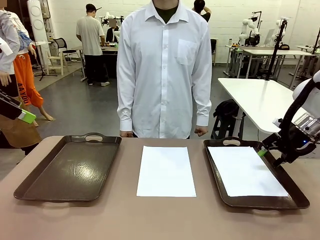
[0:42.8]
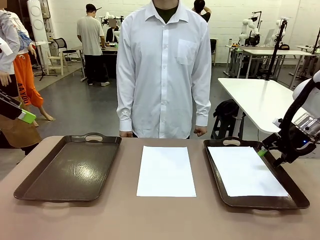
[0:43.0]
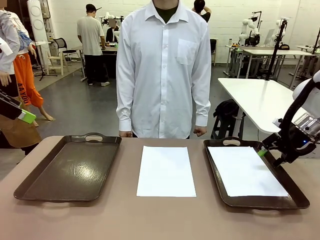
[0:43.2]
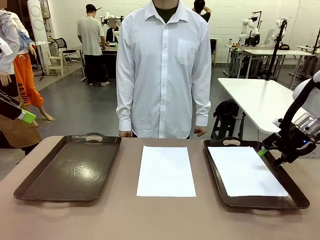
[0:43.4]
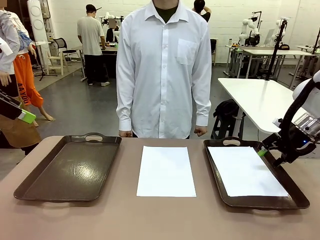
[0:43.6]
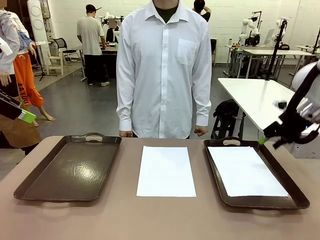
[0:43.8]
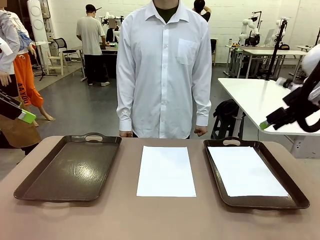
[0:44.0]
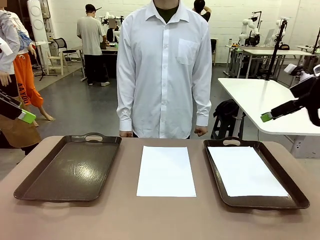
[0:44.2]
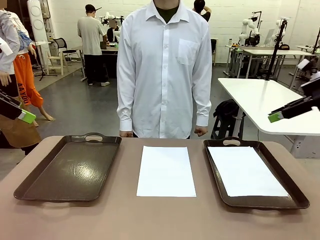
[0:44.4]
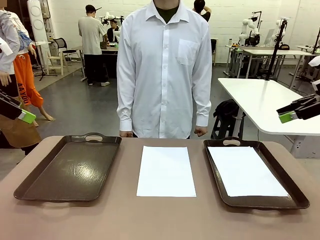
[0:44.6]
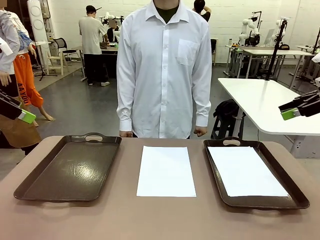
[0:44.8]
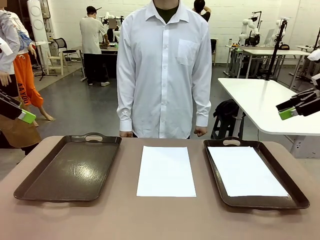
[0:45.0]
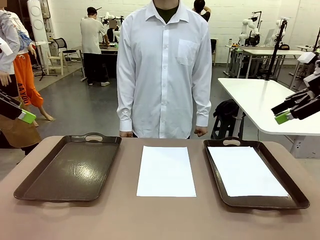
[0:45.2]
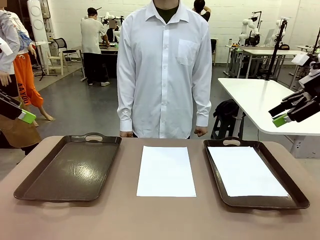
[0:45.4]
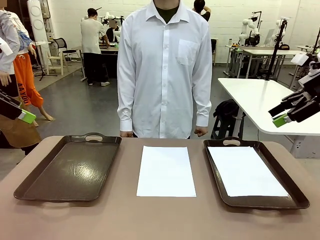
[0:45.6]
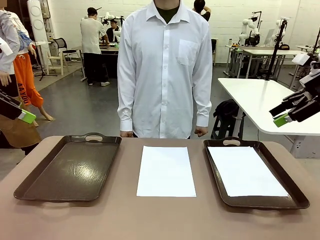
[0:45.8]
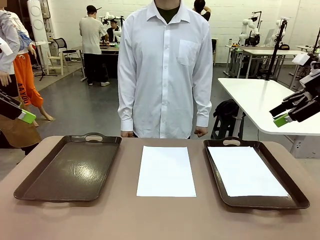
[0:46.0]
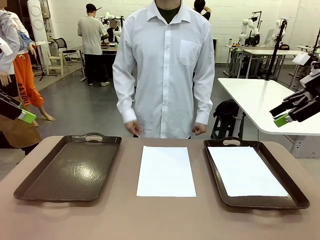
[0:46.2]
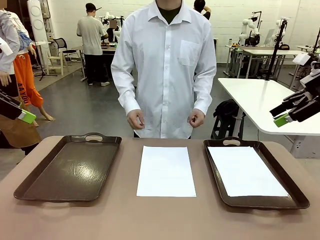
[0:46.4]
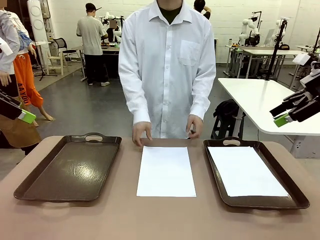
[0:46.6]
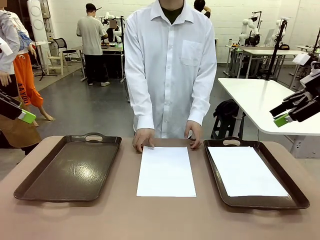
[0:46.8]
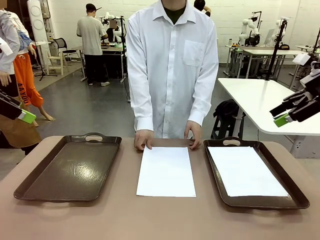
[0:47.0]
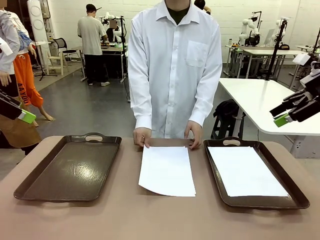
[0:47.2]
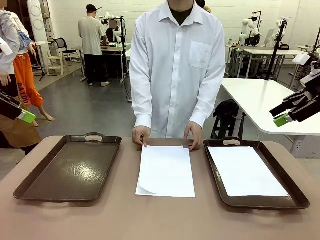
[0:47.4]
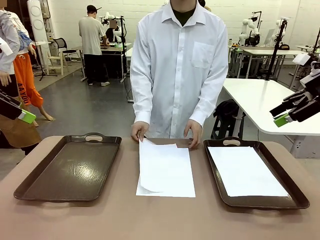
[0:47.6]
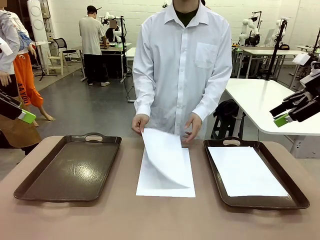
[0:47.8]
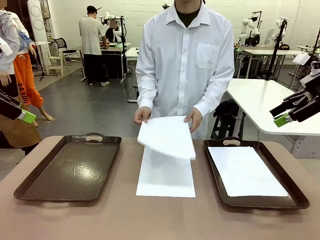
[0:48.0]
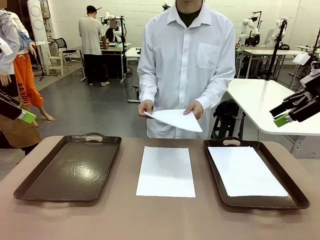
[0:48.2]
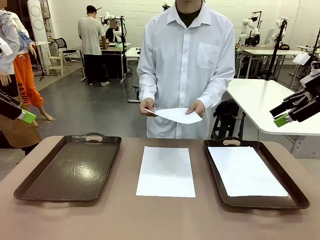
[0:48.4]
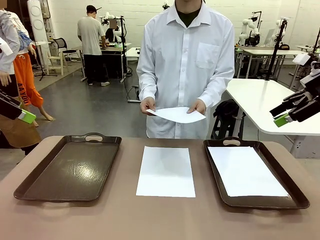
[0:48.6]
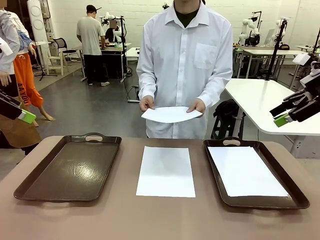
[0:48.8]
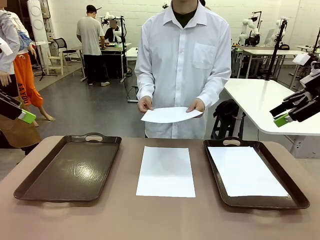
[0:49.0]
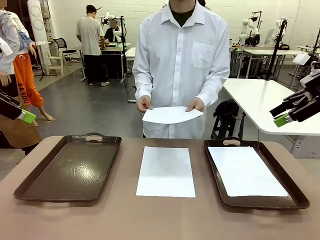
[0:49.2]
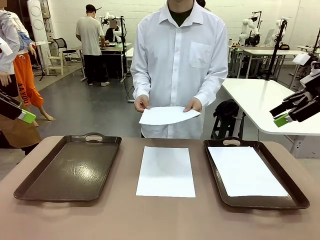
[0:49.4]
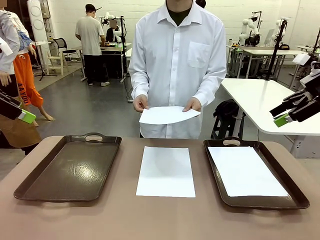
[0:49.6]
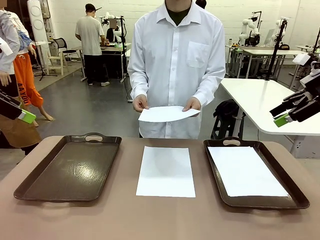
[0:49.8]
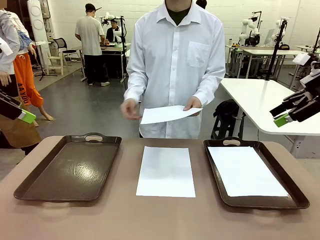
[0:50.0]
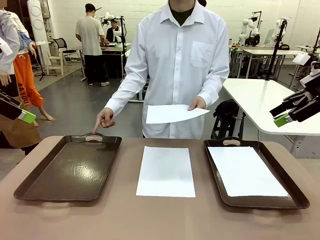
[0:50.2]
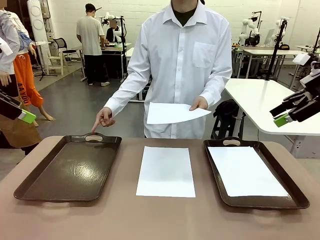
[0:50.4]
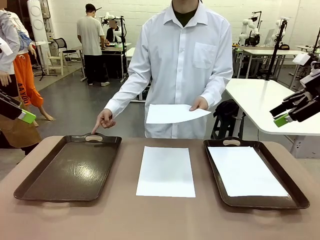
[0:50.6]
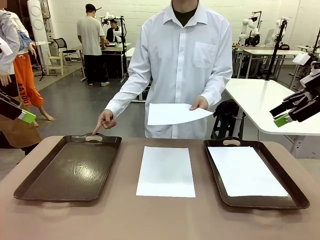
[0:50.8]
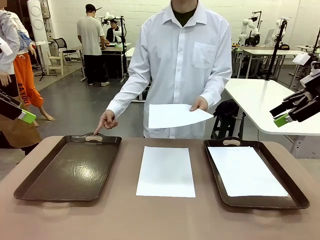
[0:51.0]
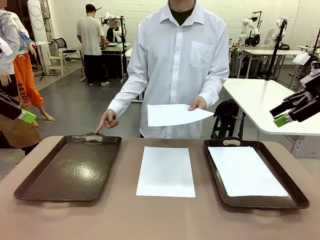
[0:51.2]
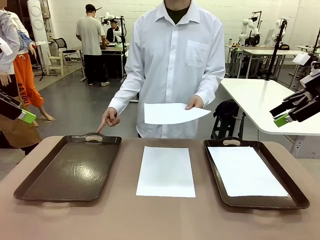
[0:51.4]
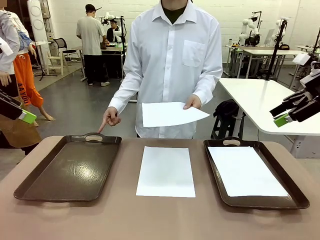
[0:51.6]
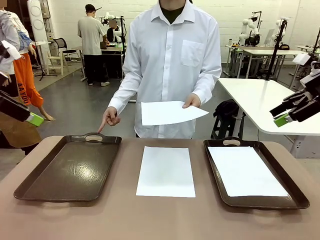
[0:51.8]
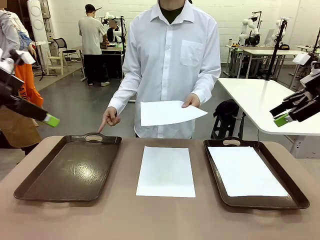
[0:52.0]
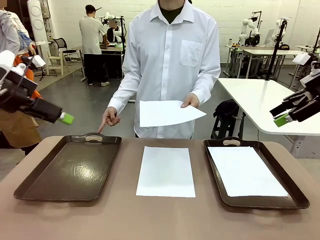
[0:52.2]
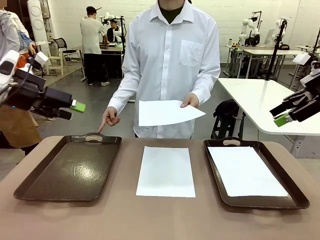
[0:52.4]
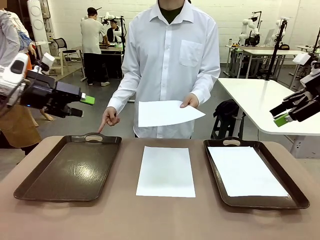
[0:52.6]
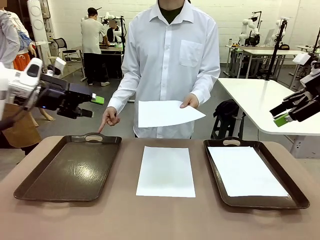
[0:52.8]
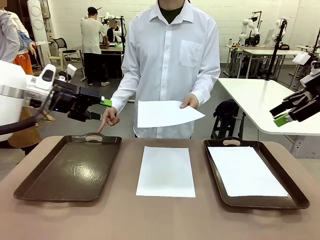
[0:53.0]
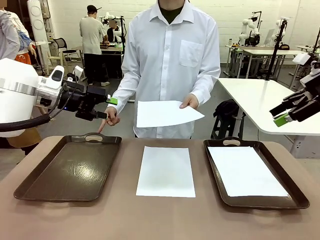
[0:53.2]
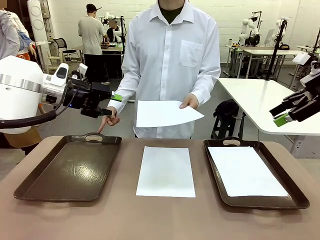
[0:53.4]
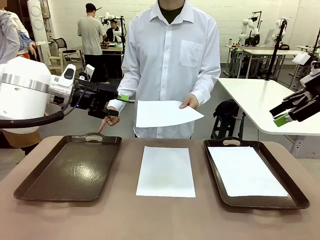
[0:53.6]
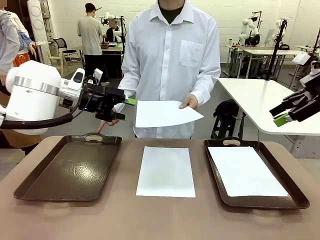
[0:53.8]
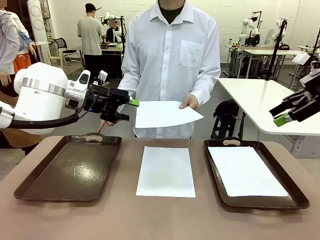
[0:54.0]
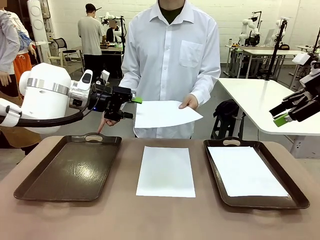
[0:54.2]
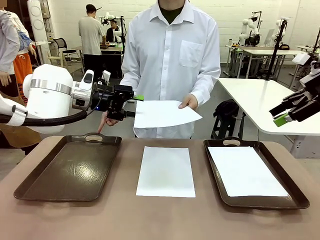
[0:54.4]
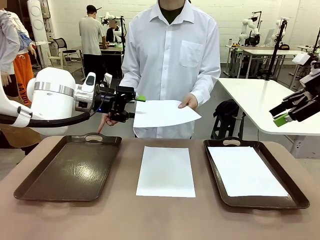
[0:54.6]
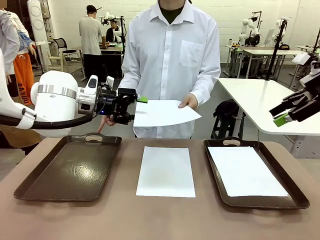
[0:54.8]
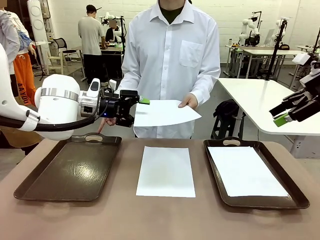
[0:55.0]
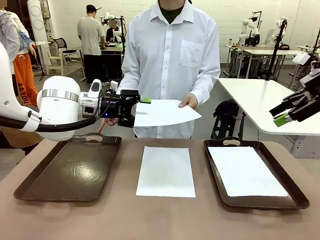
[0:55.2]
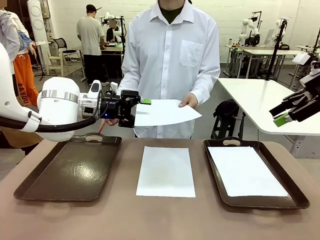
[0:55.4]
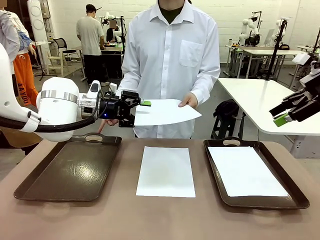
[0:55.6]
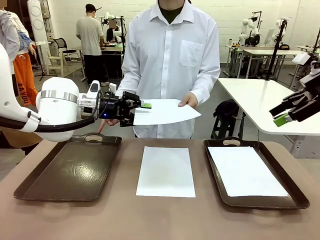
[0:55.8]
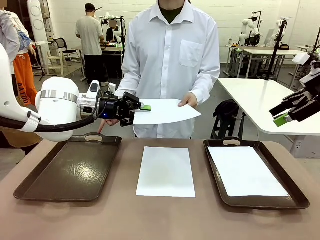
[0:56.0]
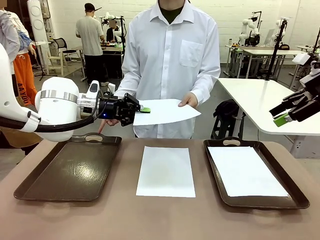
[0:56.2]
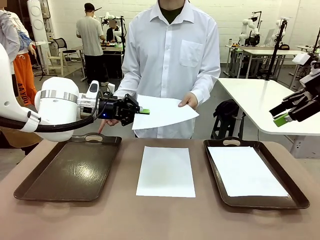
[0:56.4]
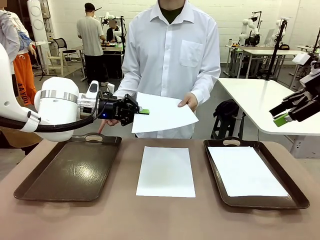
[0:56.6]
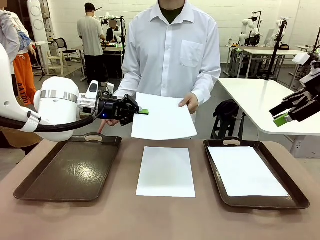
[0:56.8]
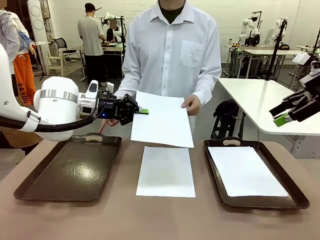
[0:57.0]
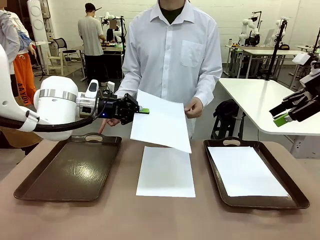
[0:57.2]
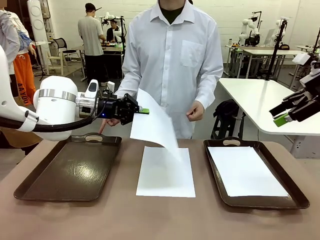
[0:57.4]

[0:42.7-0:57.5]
Task: Sort the A4 documents.
Robot: Receive the A4 Paper.
Person: Point the randomly selected tray with the other hand.

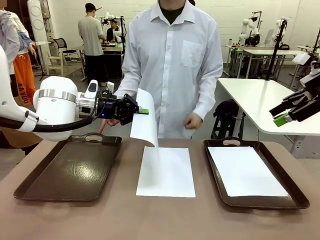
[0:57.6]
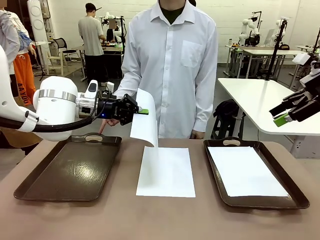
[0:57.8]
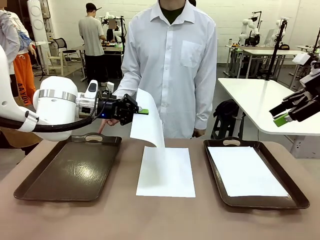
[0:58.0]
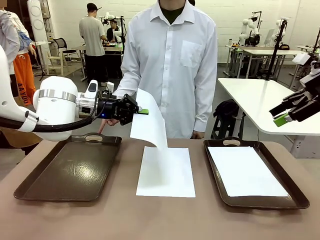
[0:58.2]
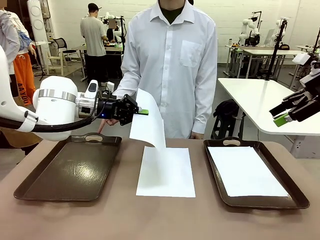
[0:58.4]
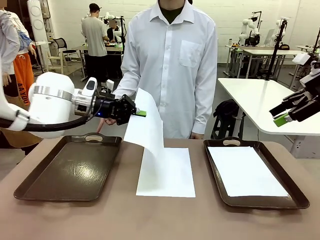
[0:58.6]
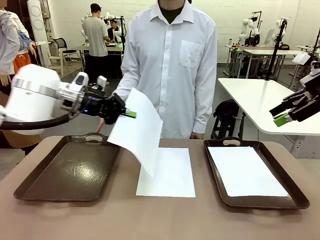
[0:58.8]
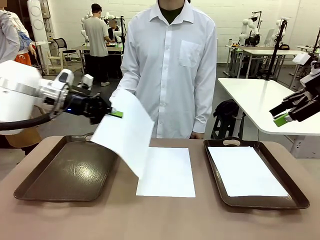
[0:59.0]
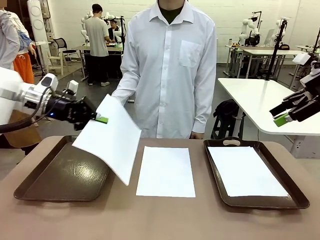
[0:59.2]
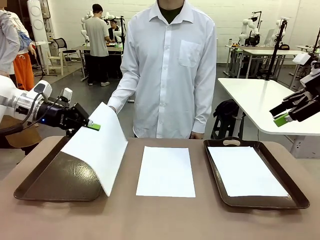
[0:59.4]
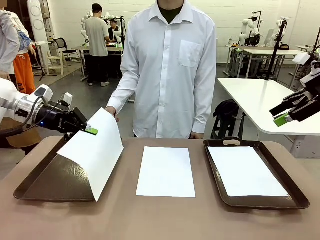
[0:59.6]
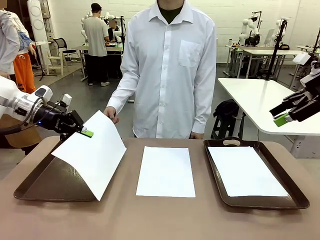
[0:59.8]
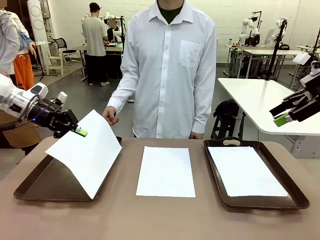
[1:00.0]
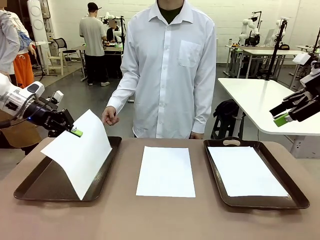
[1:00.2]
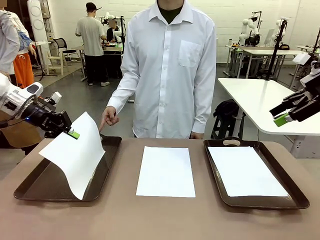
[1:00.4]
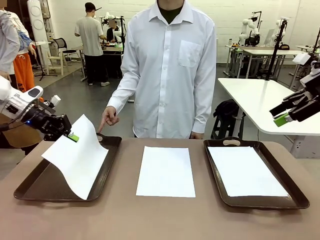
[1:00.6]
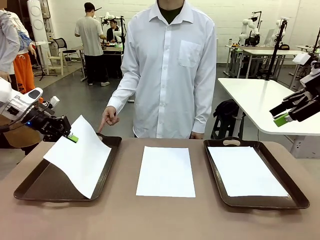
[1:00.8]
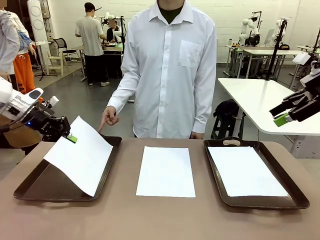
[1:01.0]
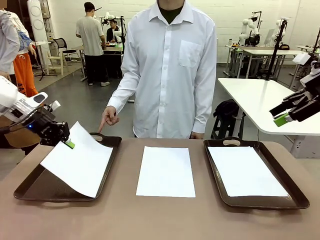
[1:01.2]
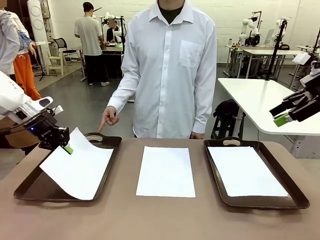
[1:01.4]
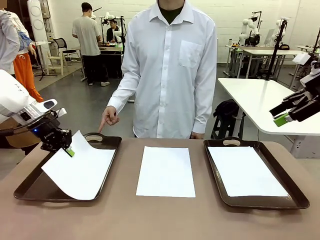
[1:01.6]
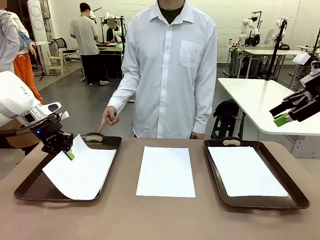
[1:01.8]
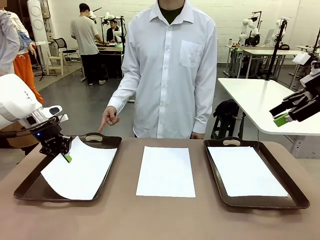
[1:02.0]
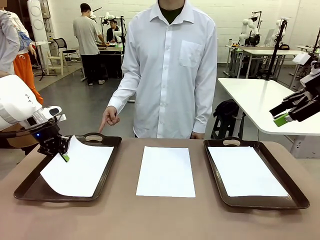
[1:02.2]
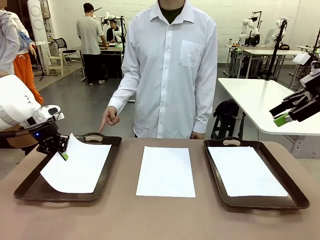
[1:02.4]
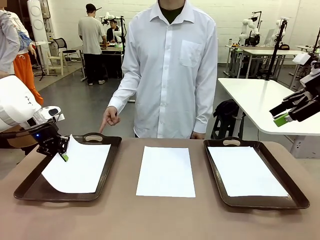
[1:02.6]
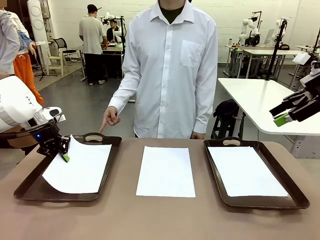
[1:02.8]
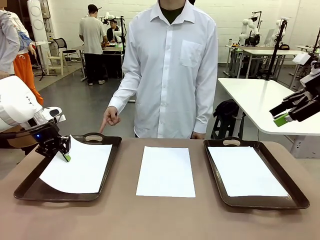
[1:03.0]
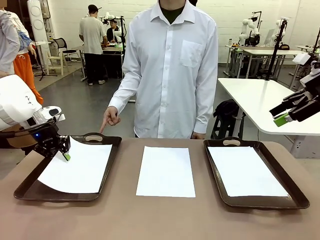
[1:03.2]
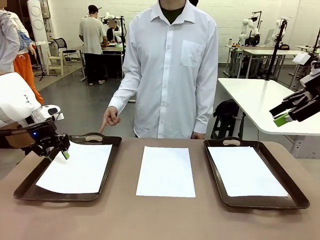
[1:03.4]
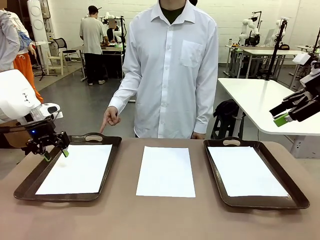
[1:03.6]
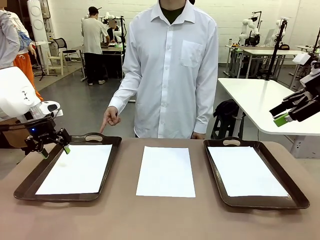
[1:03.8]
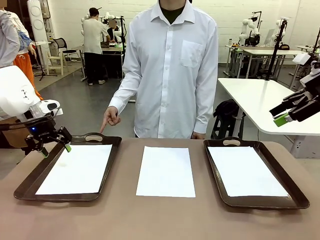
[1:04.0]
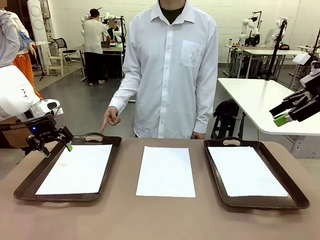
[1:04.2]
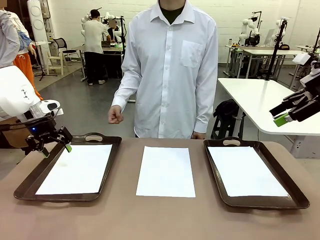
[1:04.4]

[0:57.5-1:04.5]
Robot: Place the A4 Paper in the designated Handle tray.
